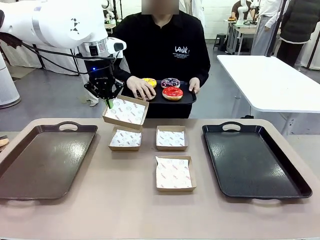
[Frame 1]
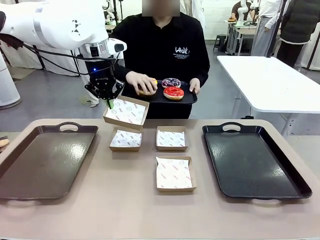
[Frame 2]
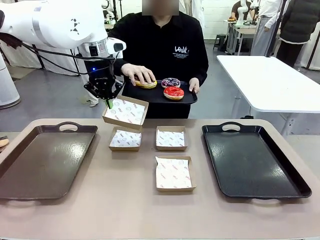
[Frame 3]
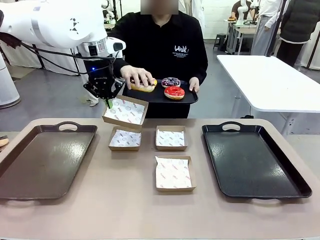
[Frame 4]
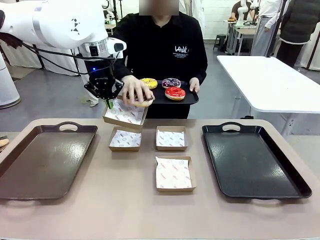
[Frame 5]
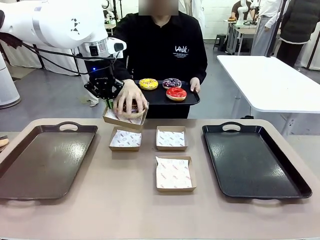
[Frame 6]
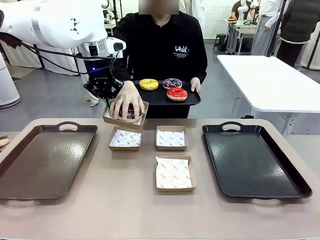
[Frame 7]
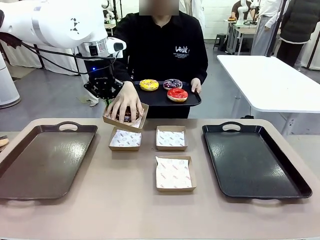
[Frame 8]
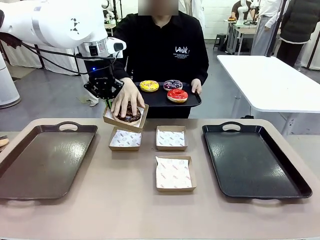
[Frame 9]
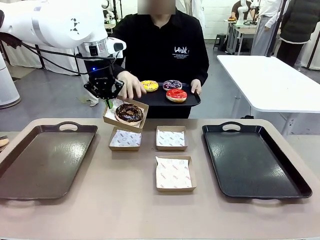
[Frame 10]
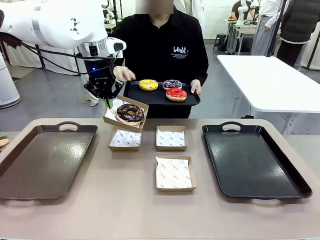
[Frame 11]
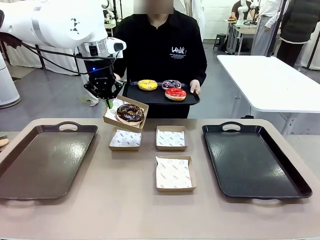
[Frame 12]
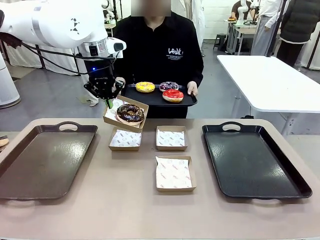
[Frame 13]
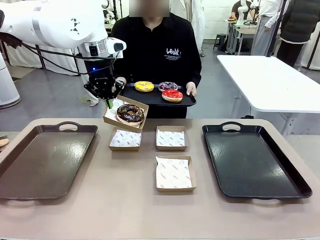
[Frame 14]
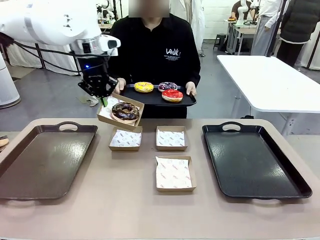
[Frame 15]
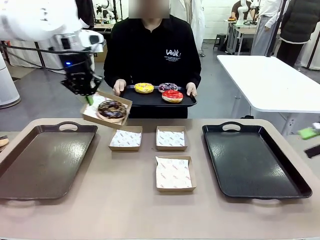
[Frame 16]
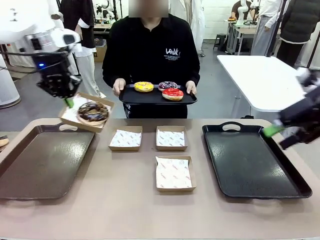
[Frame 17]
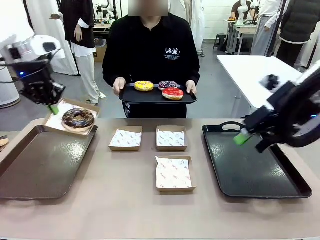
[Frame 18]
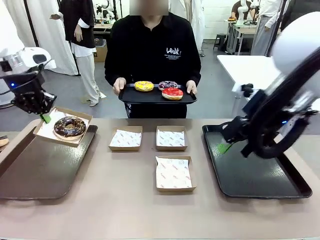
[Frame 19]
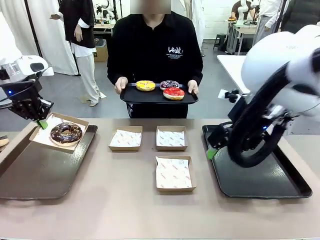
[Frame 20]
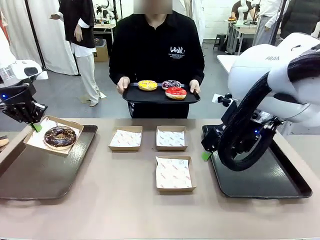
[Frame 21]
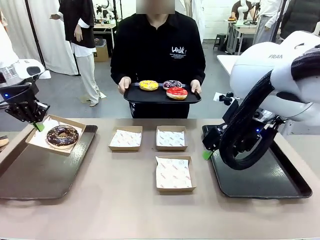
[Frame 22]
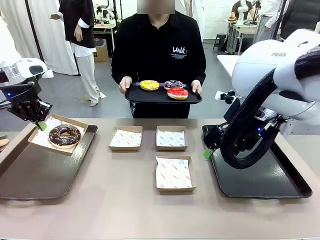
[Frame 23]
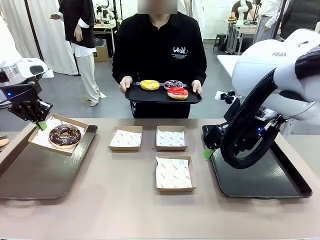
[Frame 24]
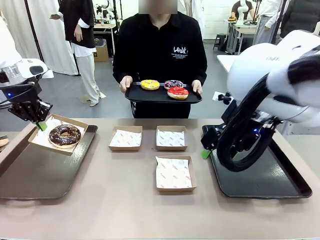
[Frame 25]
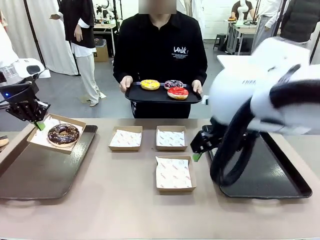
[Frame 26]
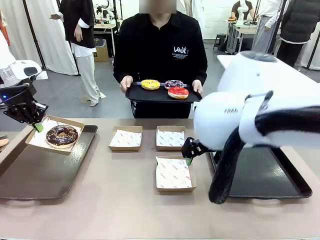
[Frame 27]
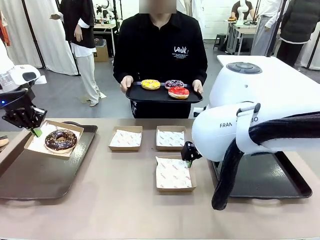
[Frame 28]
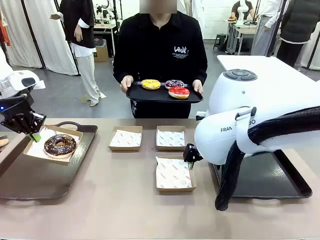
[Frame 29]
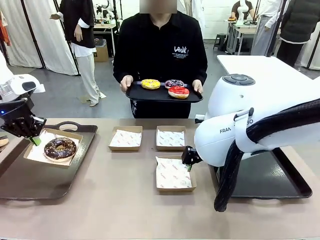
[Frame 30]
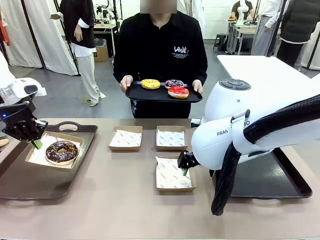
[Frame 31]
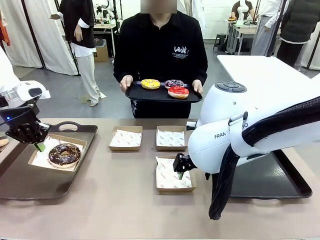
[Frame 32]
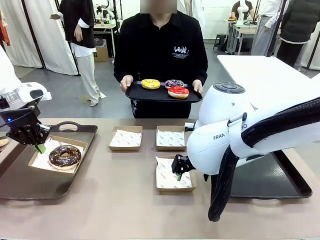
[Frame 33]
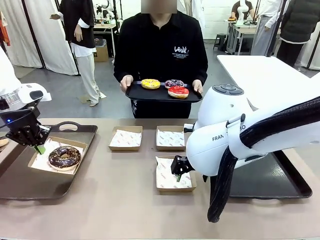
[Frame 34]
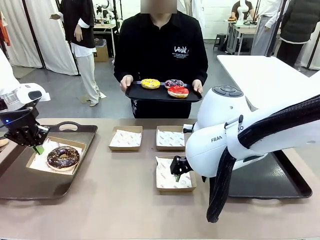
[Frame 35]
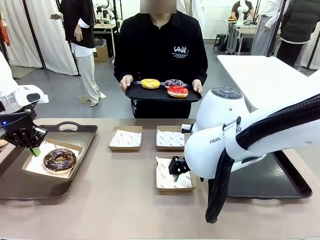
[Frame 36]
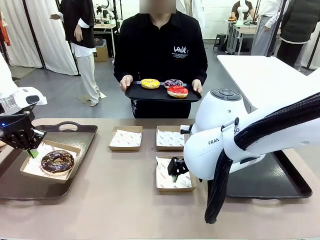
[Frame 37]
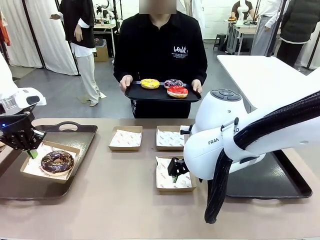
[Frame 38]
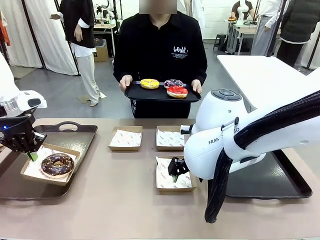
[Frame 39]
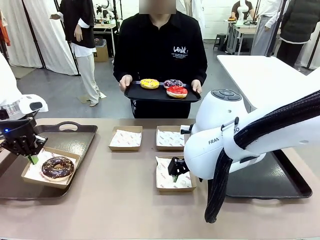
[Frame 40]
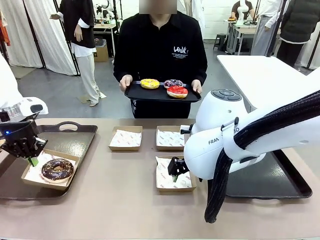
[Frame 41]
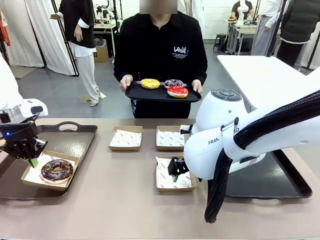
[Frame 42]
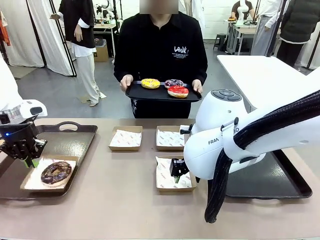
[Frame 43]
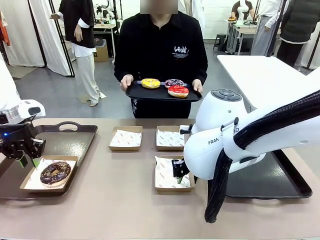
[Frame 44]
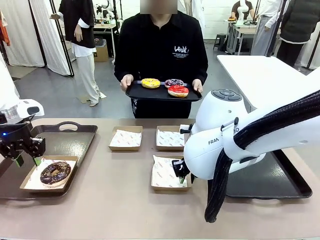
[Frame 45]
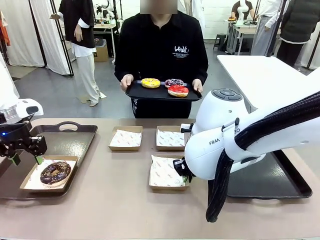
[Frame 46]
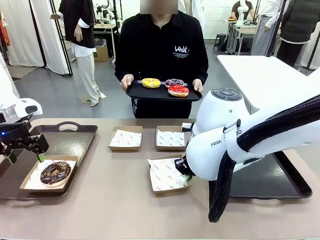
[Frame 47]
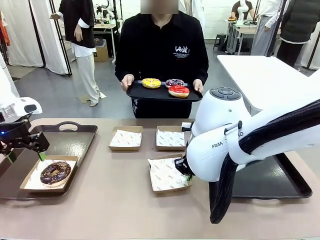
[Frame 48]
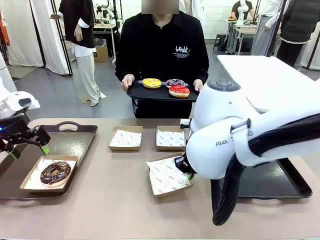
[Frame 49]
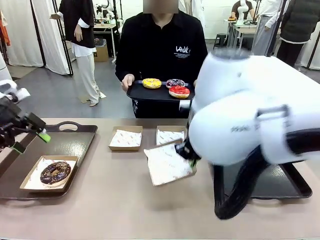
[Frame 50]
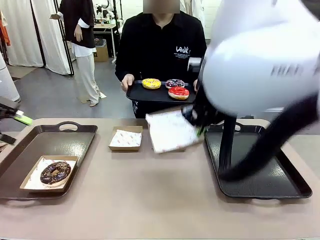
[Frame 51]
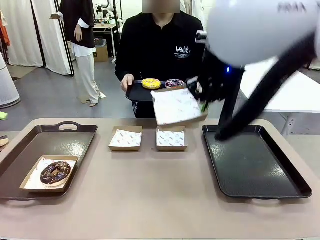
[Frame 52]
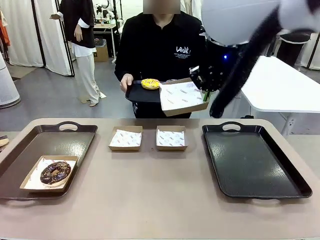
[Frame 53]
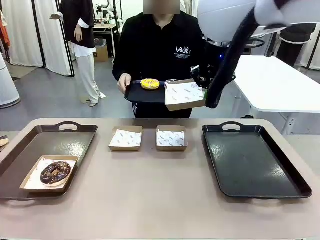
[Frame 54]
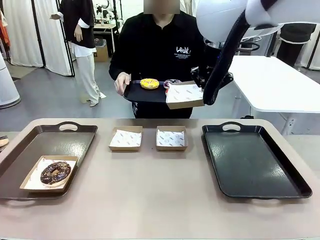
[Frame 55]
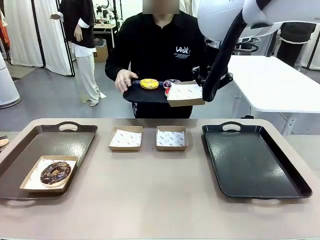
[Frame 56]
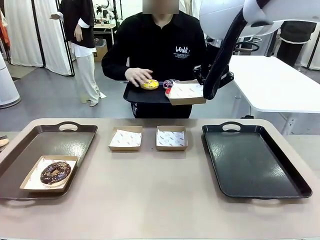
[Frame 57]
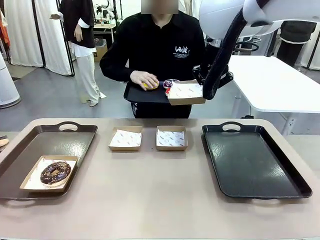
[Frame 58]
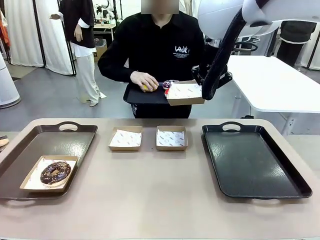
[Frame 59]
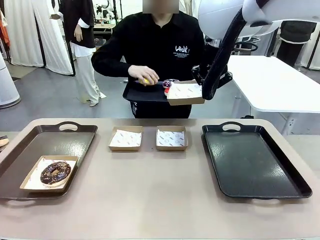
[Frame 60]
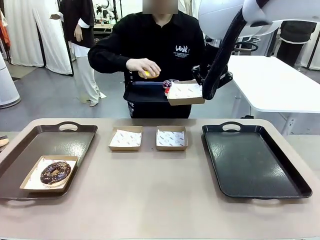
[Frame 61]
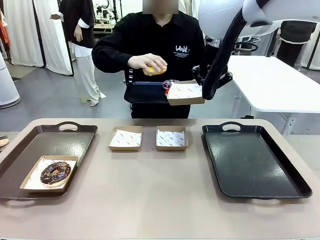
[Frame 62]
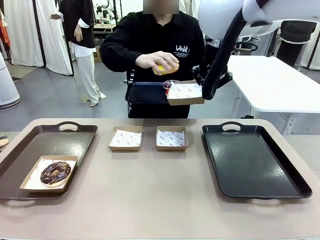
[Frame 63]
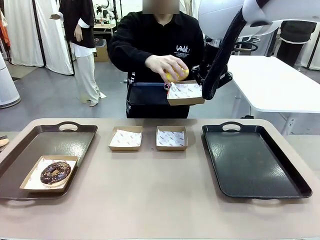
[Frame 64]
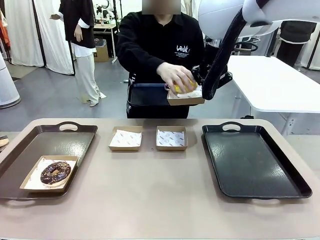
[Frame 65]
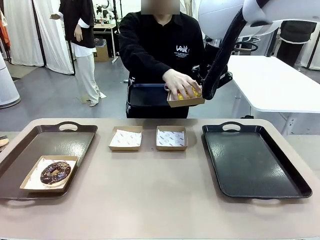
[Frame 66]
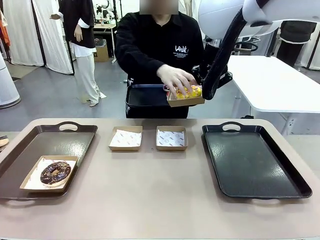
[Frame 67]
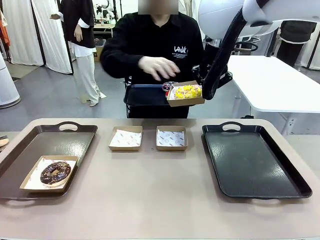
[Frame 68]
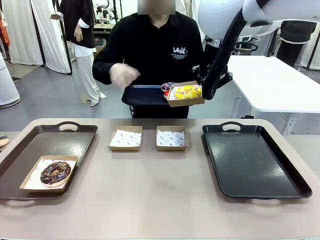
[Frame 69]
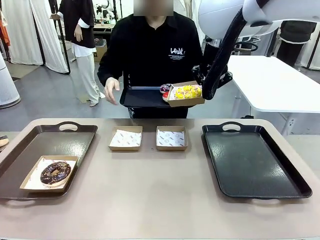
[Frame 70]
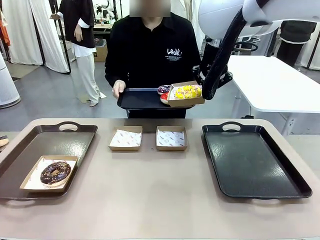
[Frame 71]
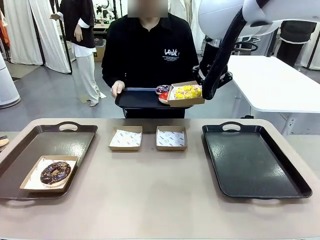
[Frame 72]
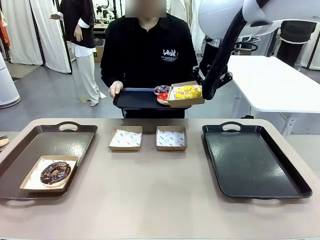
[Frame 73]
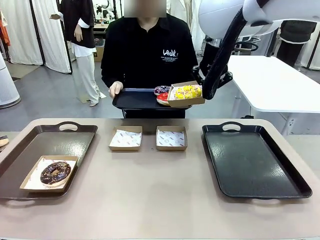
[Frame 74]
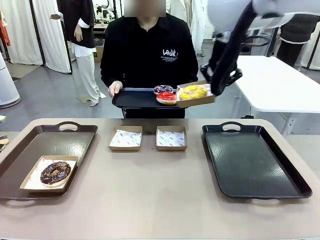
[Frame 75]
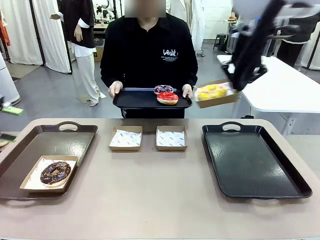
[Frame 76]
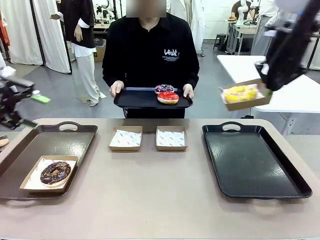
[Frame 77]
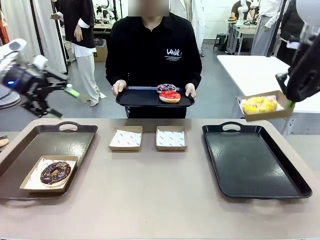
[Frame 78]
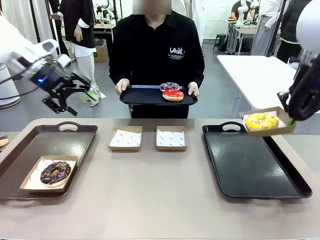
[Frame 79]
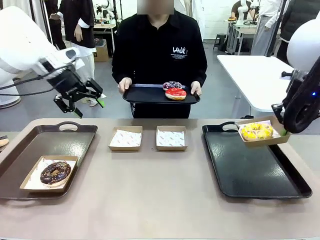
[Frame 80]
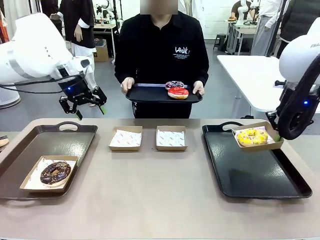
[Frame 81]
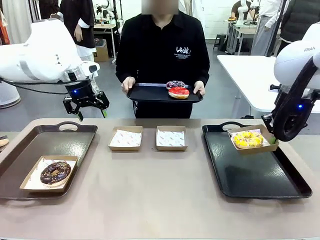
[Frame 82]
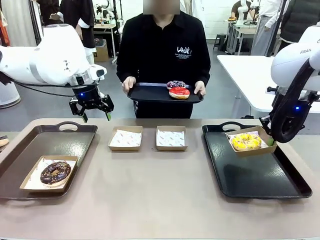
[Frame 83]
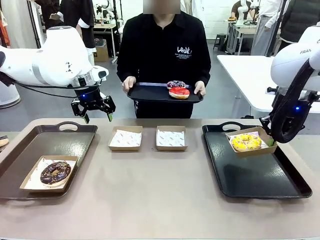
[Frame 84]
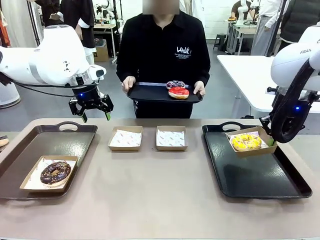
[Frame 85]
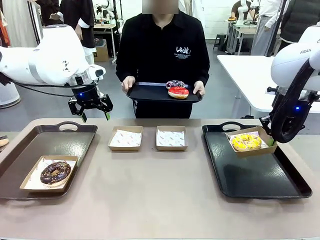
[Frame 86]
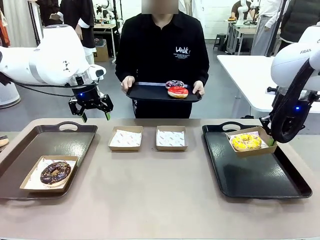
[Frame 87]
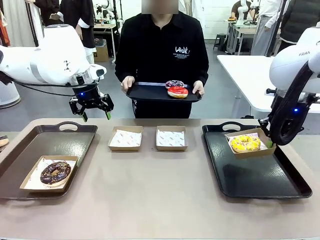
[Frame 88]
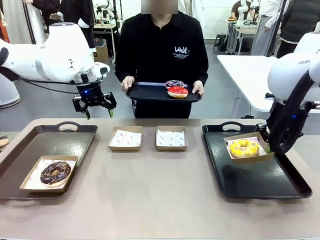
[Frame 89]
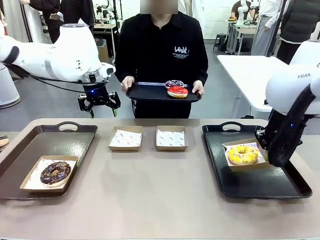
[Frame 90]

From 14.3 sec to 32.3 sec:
Task: Individually package the donuts and arrange them on the tray.
Robot: Place the picked Paper togo box on the Handle tray while simultaneously picking up another Paper togo box from the table with the other hand.
